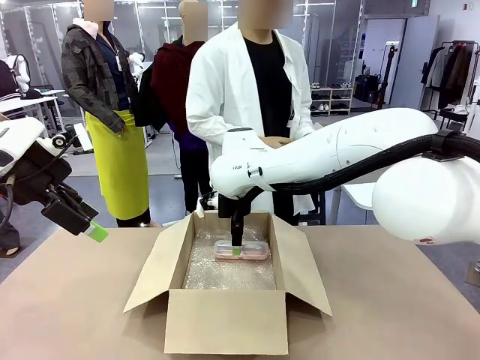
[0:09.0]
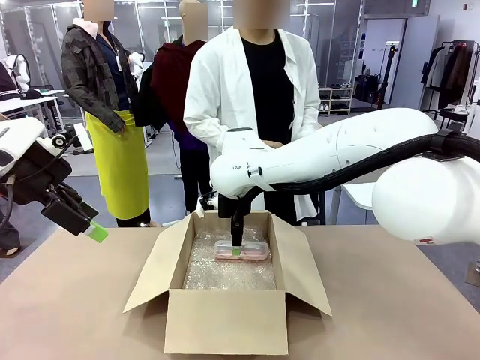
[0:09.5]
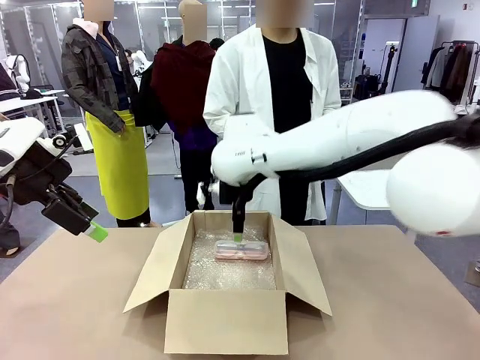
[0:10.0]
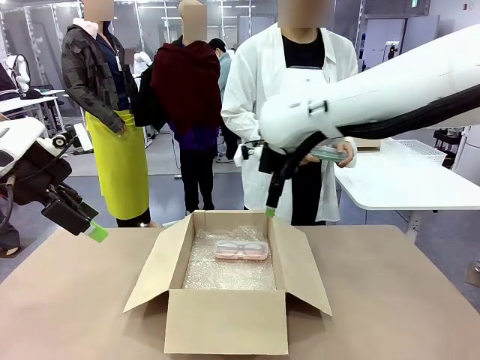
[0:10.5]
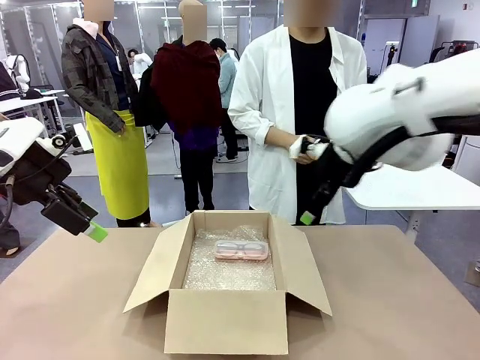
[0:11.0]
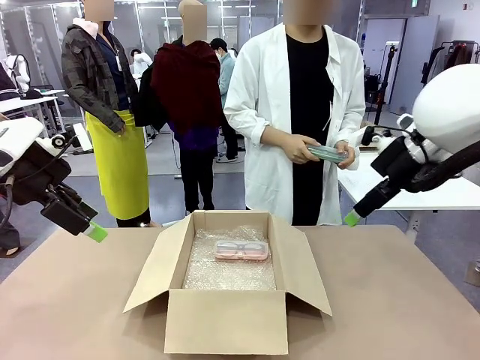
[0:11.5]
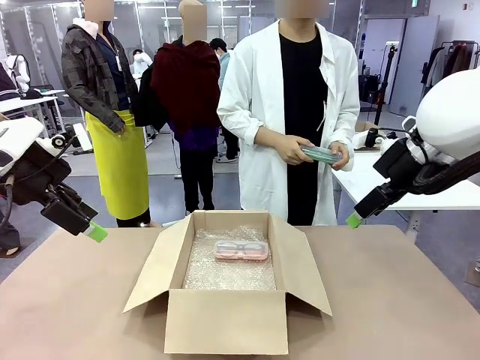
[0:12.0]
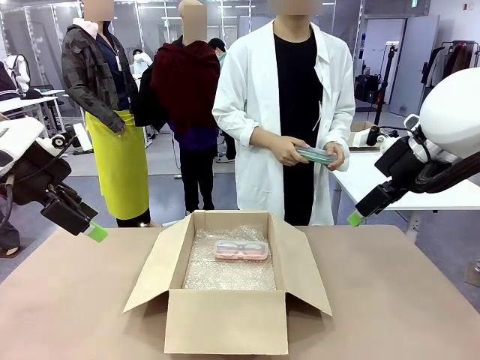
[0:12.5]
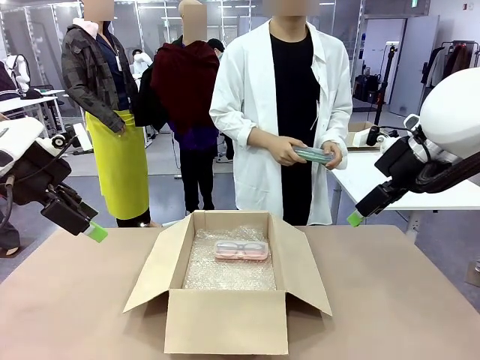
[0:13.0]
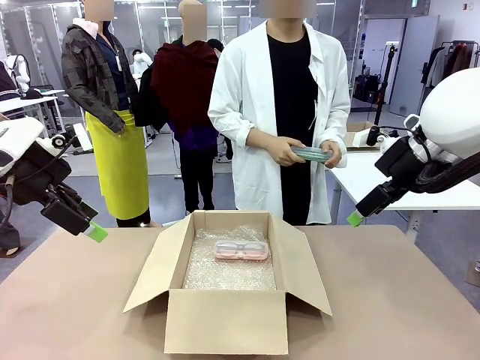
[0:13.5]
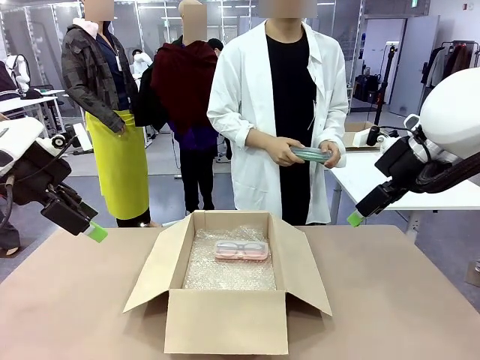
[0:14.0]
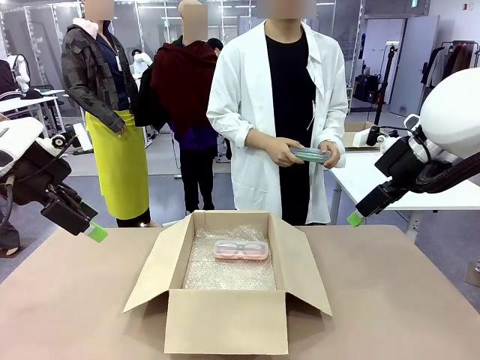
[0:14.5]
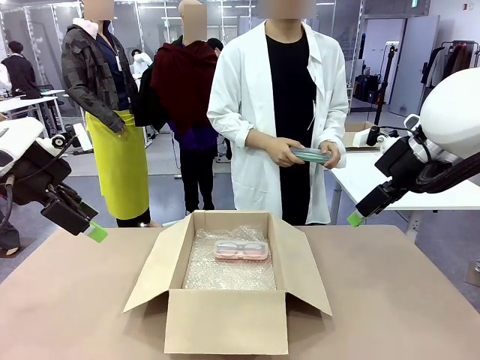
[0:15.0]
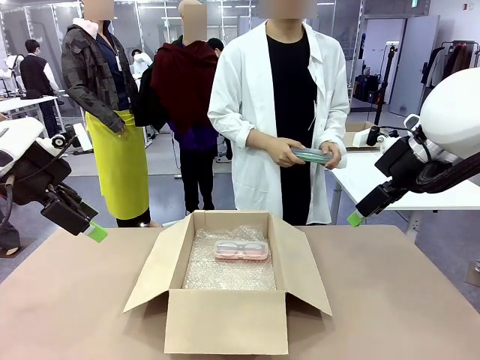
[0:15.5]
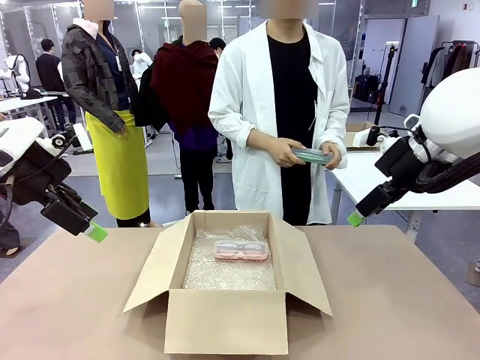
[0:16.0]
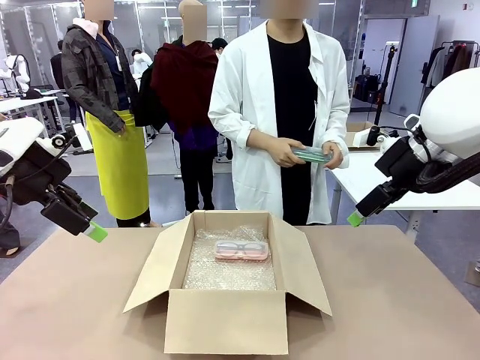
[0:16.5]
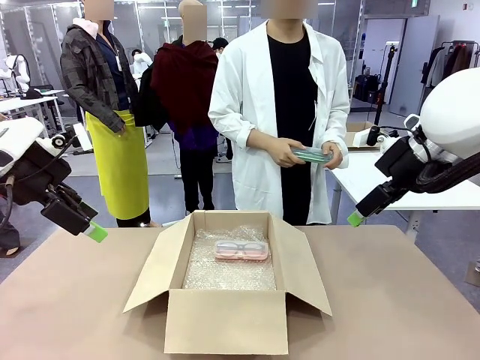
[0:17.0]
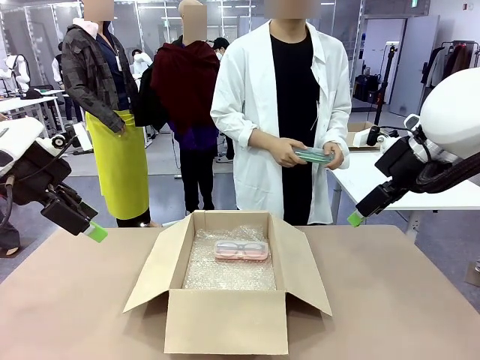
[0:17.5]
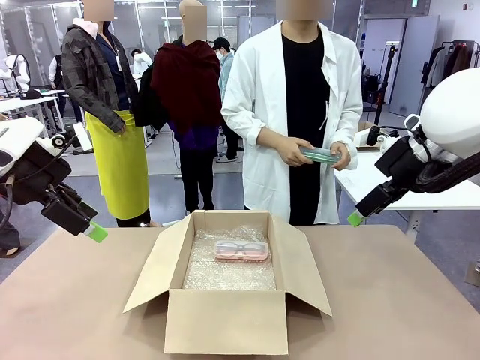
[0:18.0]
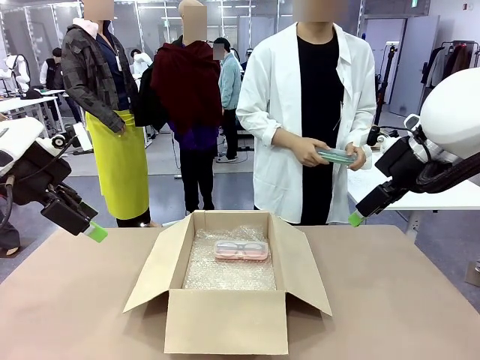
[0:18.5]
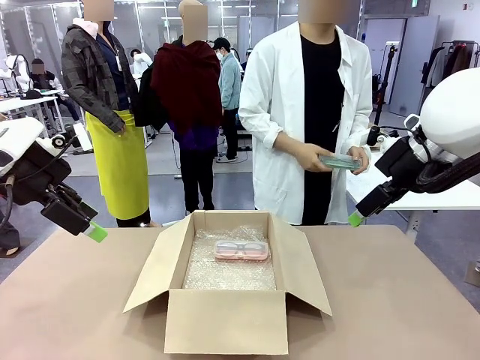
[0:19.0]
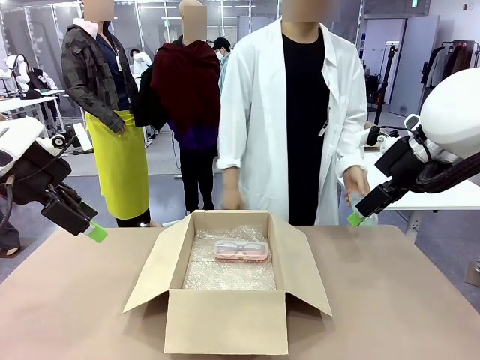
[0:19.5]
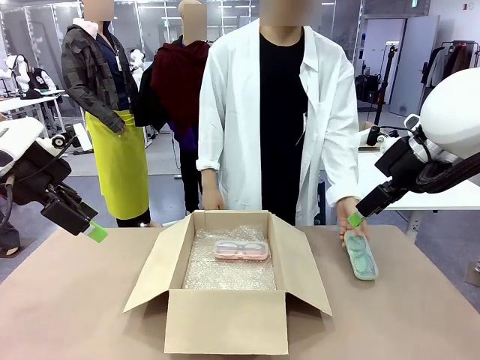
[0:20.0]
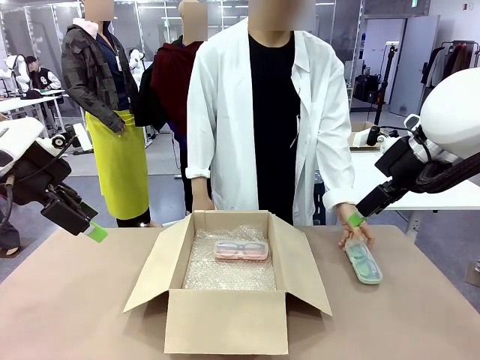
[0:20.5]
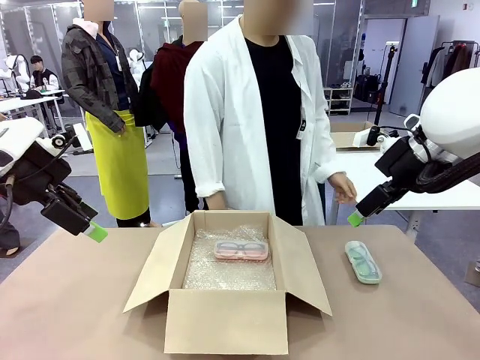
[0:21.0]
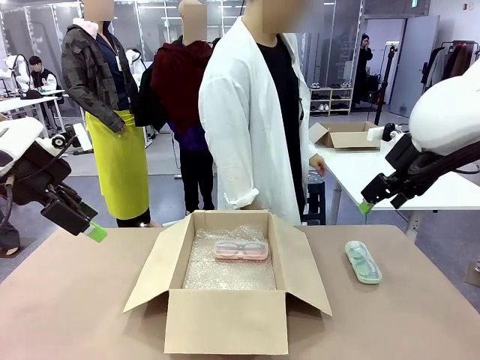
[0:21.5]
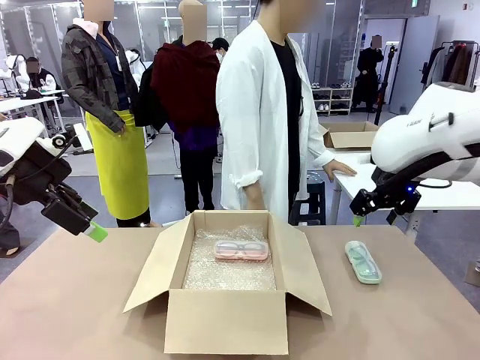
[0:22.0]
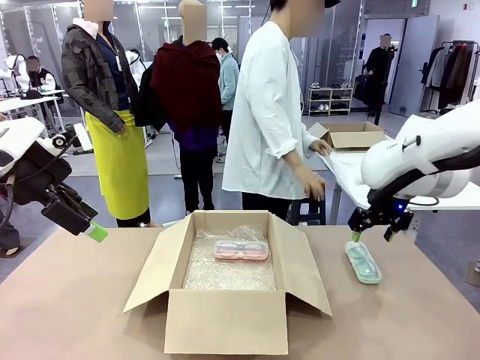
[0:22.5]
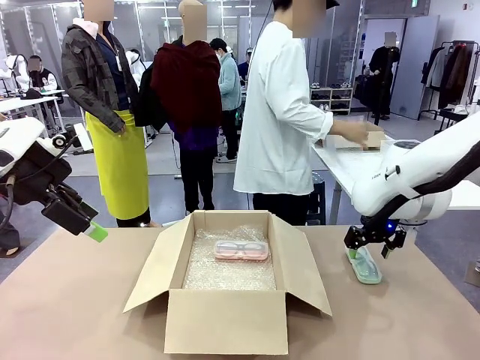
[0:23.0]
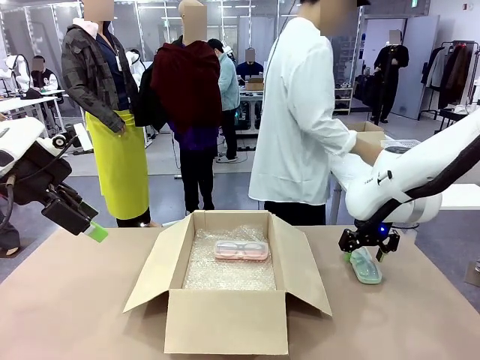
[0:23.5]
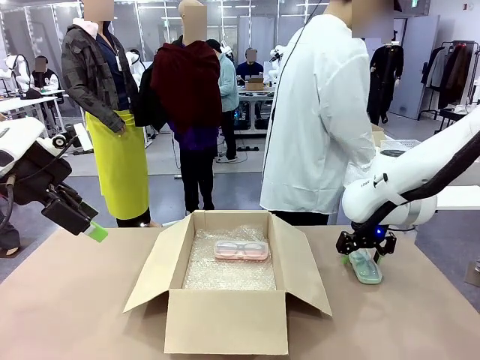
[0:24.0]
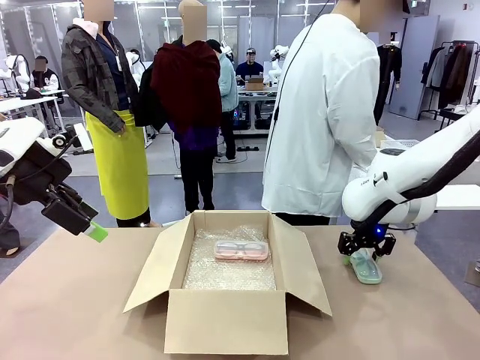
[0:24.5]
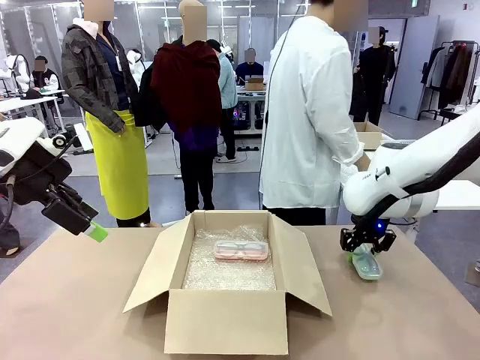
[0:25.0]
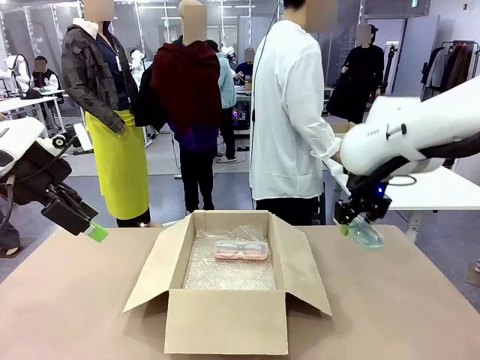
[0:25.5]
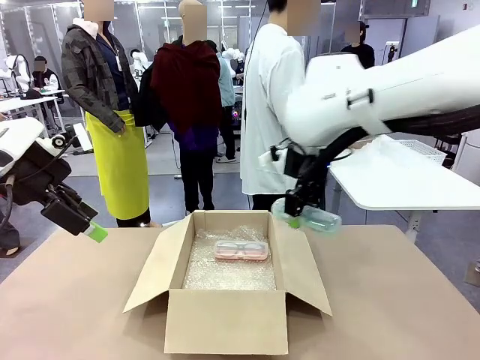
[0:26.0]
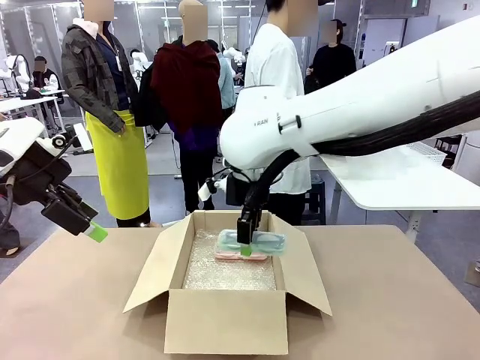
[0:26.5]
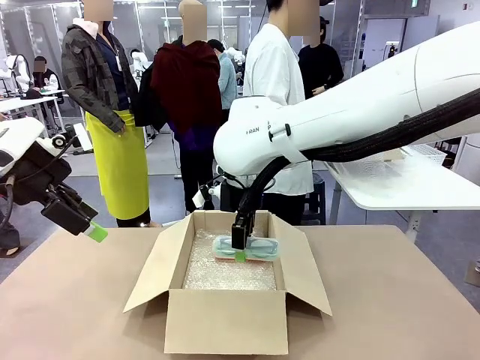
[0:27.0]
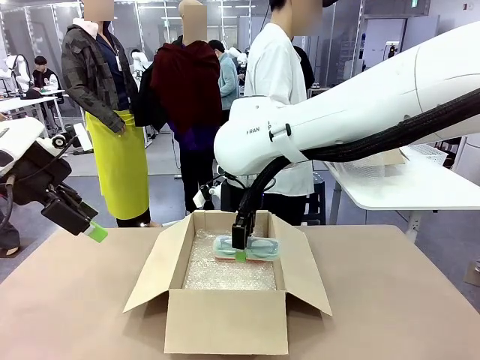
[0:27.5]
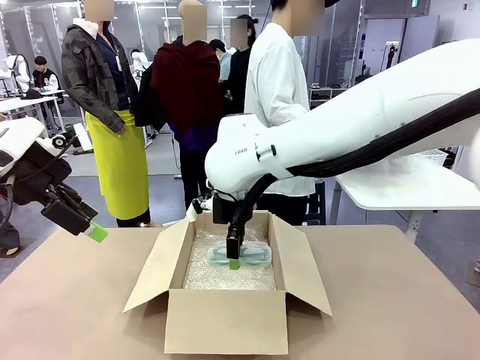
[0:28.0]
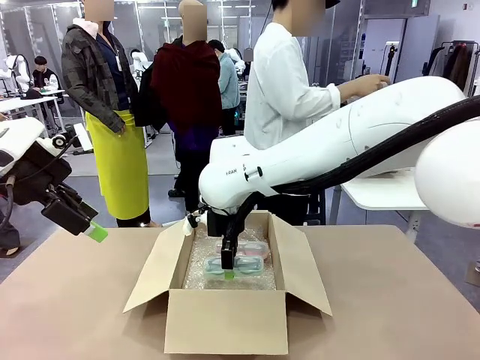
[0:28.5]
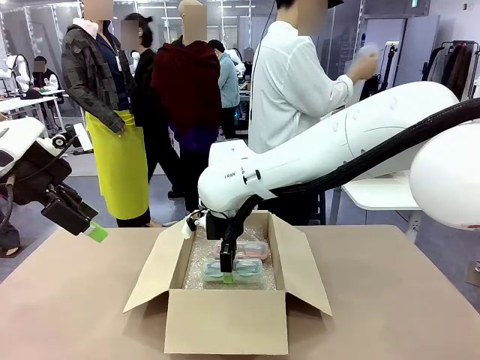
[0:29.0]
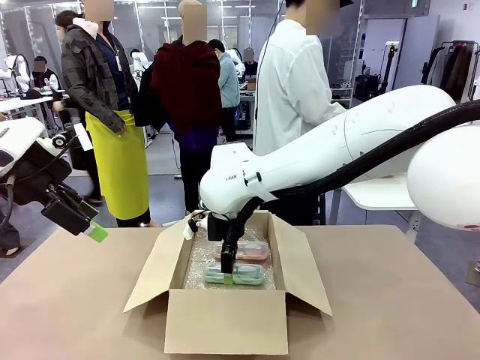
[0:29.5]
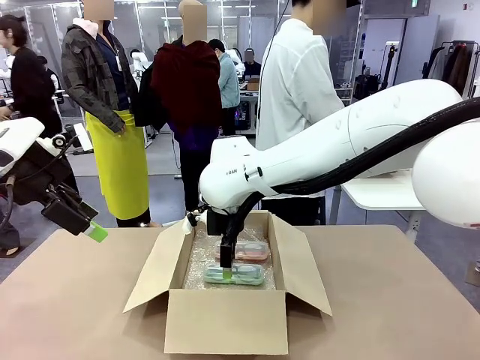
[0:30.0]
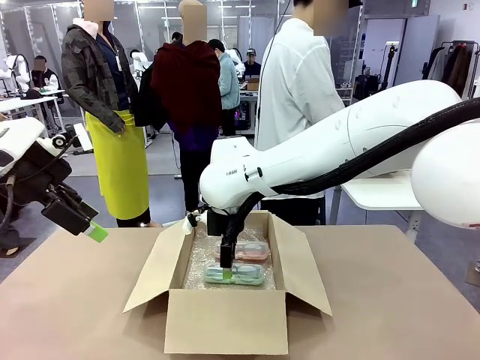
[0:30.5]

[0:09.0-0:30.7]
Task: Pack the glasses set securely to prepare it for shipping.
Robot: Put the Glasses case from the right side of the table into the Package Box.
Person: Position the Glasses case on the left side of the robot's table.
